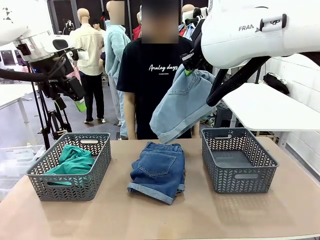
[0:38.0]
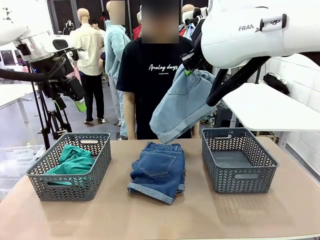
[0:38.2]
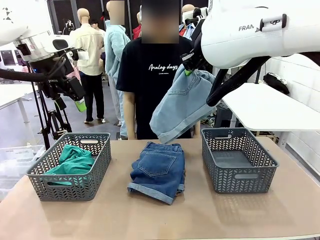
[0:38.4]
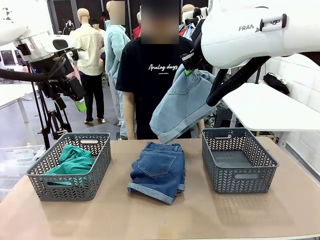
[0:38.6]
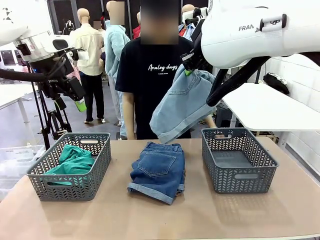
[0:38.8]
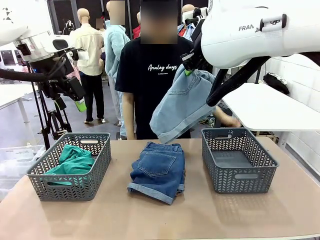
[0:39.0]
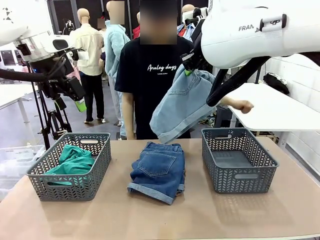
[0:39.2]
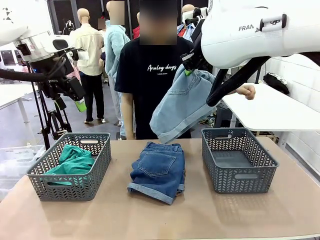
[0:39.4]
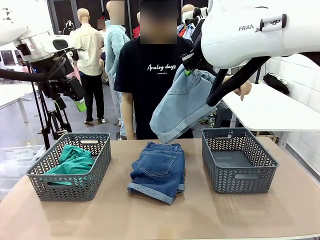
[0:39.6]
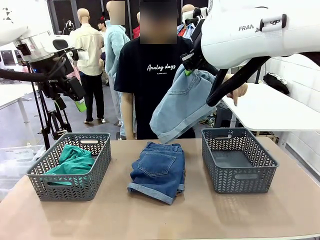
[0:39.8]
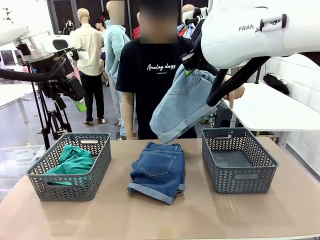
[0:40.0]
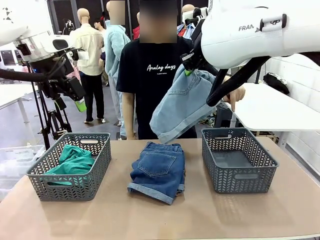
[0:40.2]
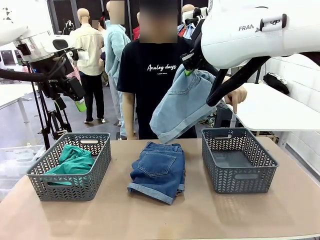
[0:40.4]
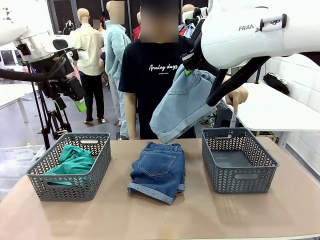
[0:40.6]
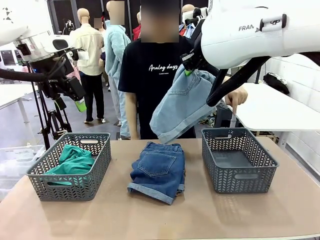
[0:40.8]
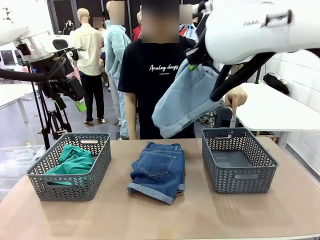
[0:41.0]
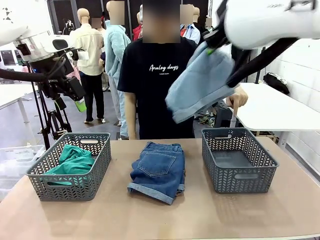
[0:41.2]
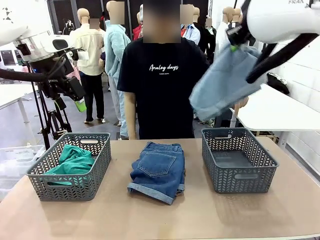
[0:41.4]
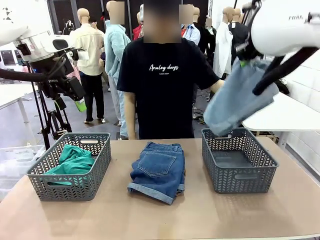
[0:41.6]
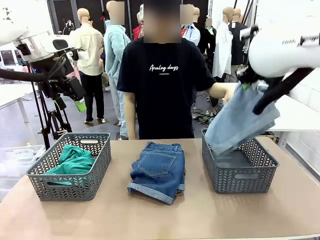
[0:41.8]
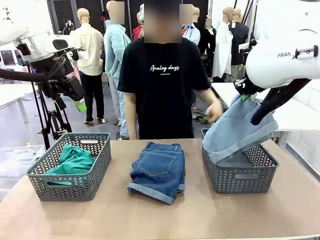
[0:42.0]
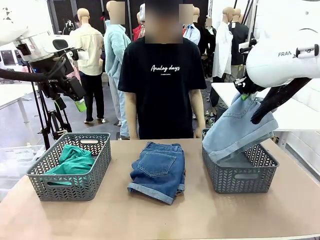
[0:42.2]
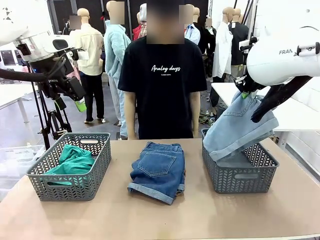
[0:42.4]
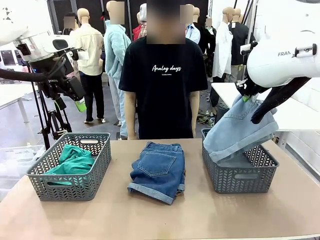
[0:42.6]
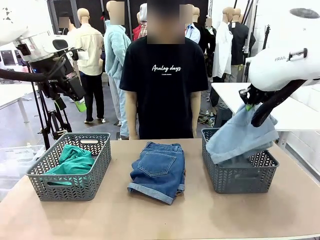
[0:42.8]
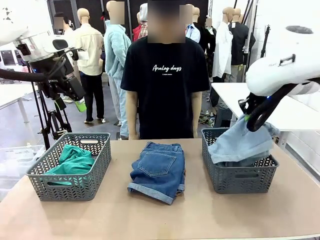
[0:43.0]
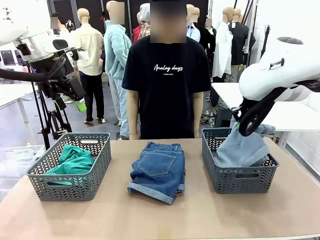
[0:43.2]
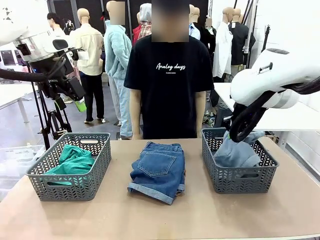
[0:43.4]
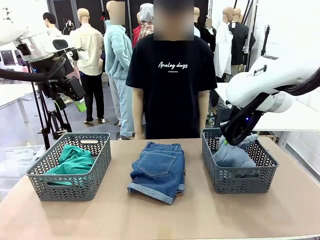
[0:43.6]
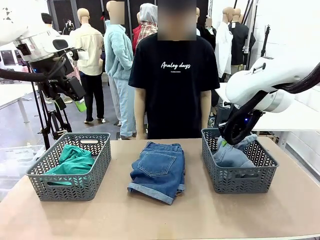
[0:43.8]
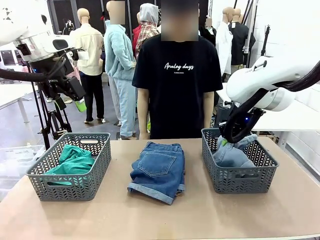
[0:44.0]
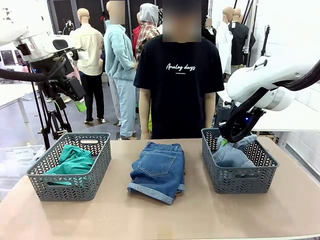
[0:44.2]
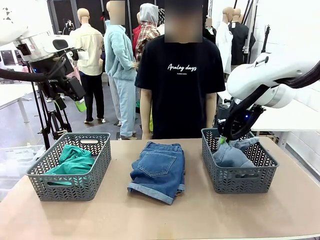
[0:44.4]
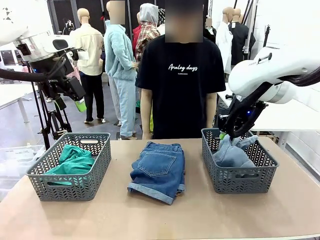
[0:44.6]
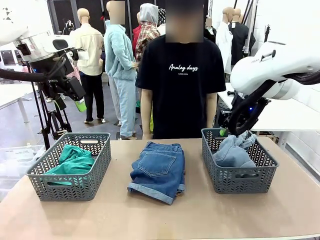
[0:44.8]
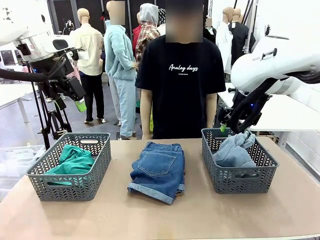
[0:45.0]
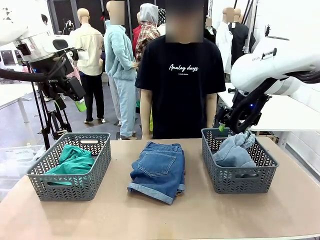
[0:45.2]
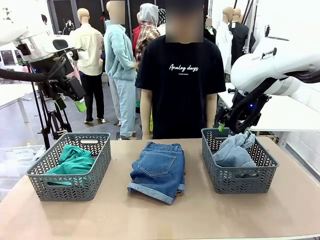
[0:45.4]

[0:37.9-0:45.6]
Task: Sort the tops and bottoms.
Robot: Sort the clothes according to human instructions.

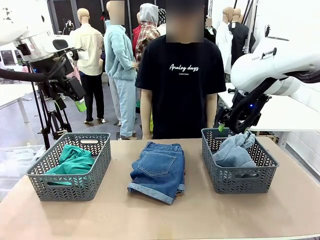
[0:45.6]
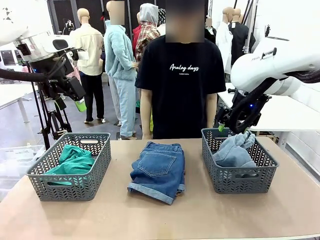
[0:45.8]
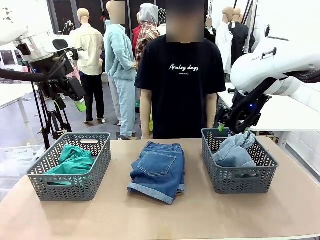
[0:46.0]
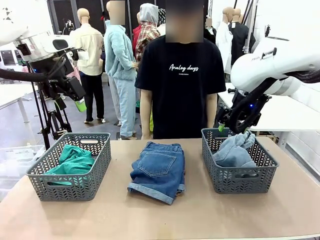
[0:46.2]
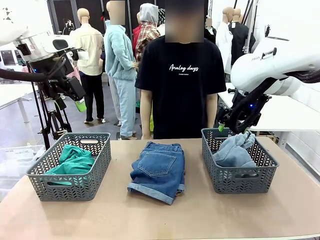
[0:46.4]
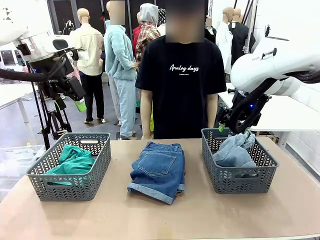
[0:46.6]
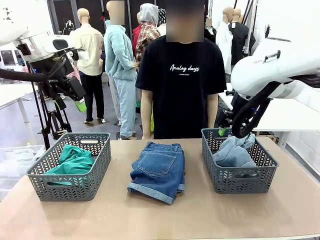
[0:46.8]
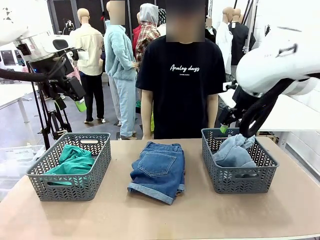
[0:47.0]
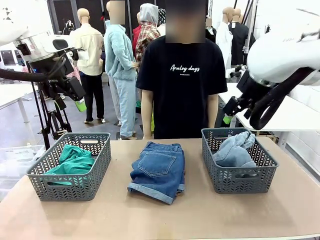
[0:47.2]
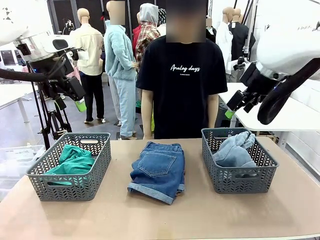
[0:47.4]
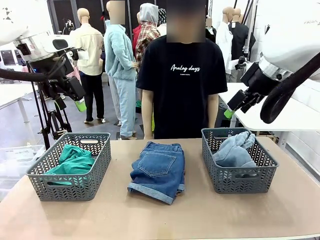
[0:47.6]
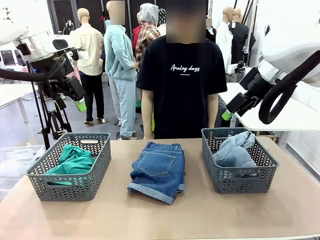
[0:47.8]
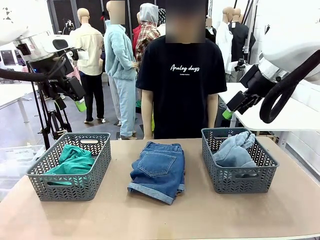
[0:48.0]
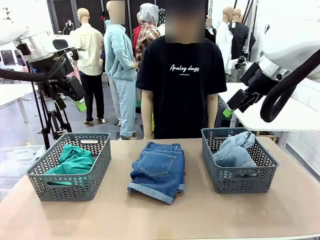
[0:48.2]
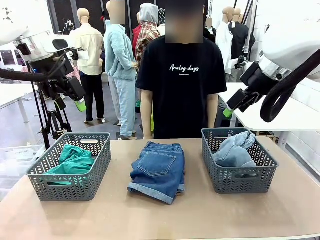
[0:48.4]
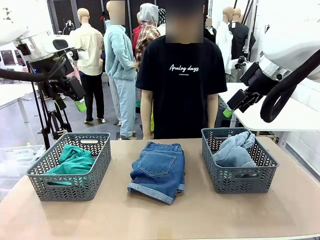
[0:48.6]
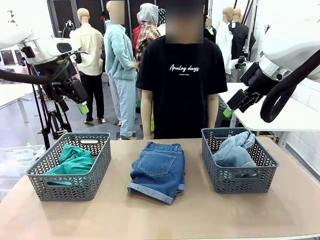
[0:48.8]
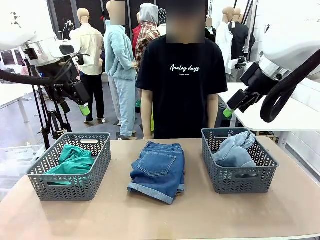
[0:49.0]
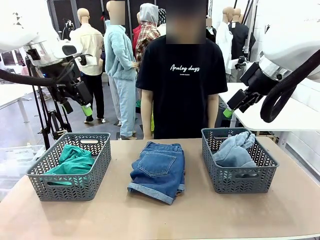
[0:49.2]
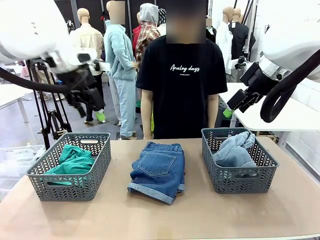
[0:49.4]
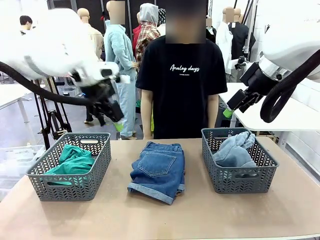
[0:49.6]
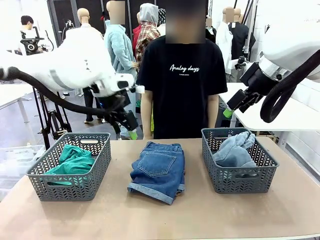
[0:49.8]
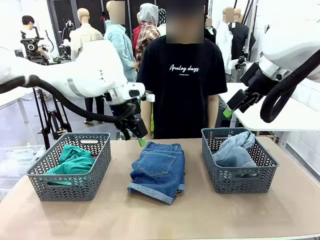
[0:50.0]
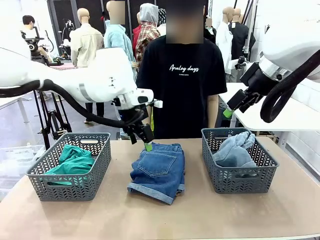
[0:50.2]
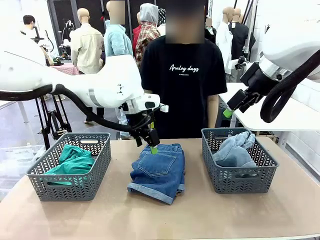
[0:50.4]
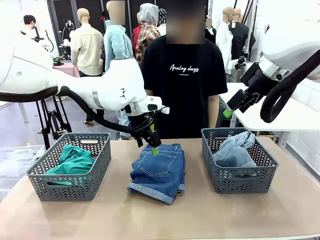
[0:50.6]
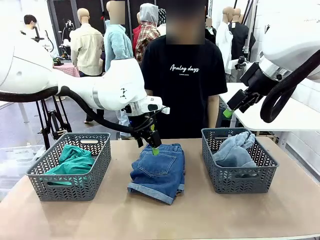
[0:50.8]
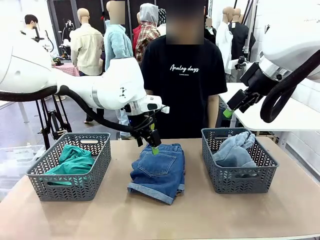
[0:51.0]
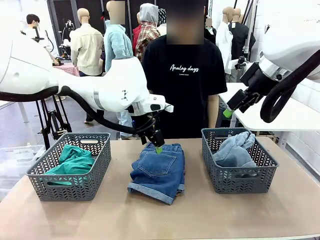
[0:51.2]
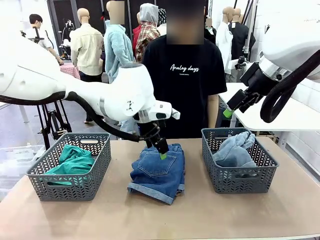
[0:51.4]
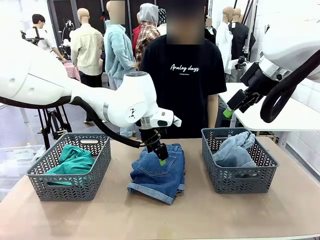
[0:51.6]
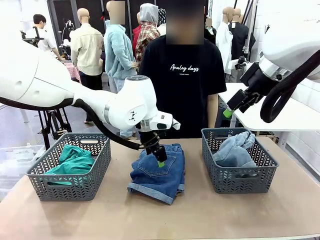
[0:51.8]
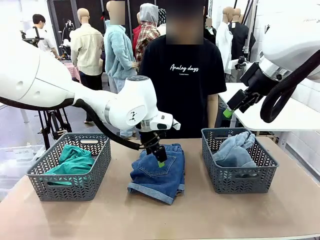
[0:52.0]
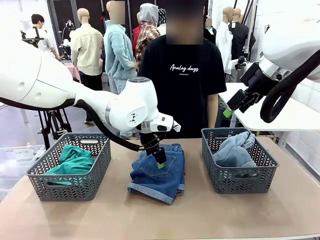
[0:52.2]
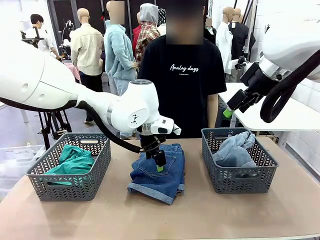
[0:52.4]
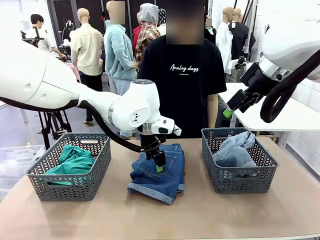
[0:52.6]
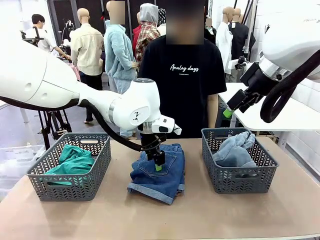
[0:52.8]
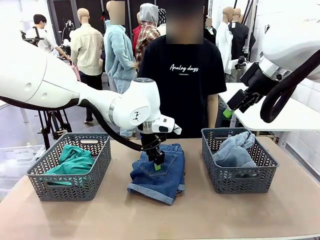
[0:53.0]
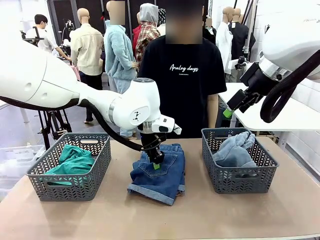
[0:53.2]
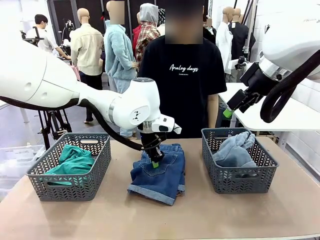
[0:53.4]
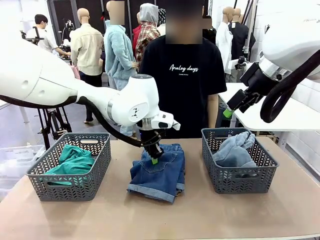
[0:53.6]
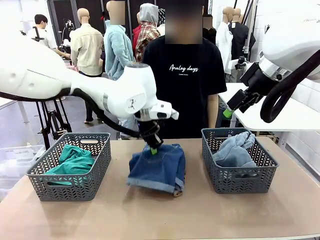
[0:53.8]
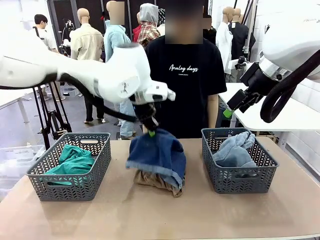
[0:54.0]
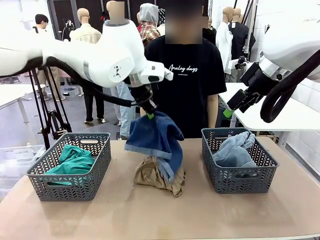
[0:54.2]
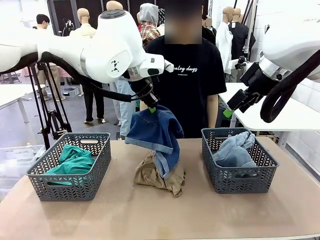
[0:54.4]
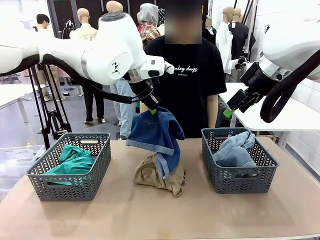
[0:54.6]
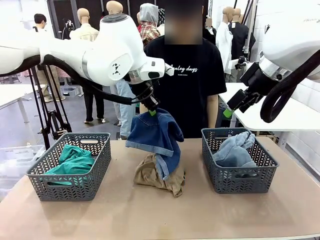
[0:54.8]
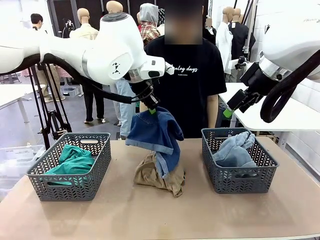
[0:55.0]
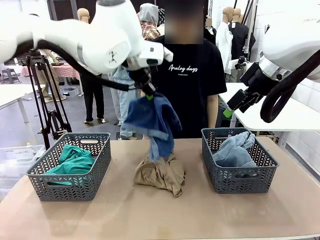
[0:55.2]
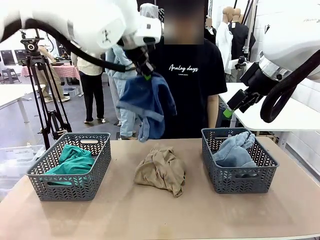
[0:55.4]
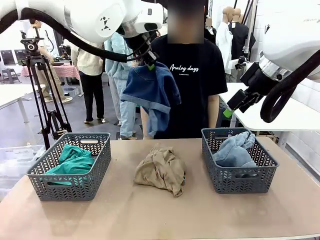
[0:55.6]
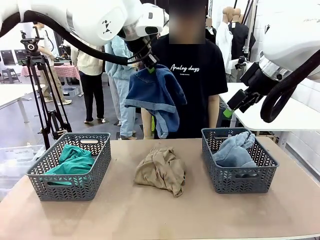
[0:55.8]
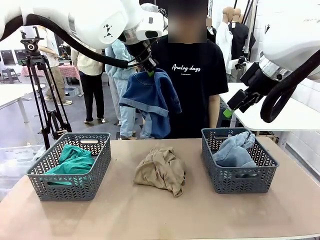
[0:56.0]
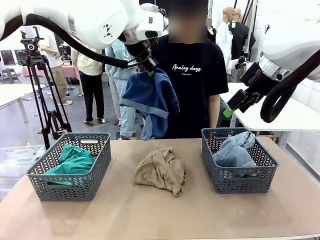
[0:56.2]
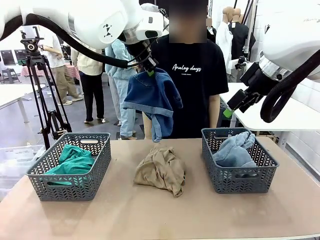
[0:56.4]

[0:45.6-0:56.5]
Robot: Lift clothes from the center of the table with your left hand.
